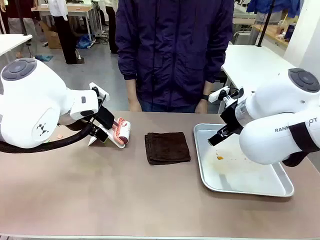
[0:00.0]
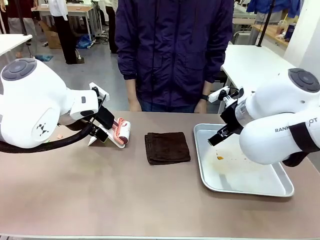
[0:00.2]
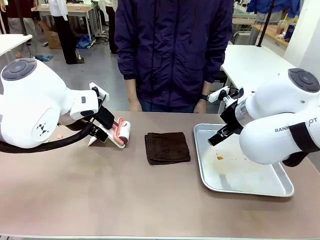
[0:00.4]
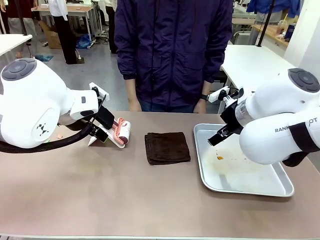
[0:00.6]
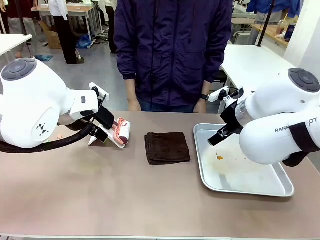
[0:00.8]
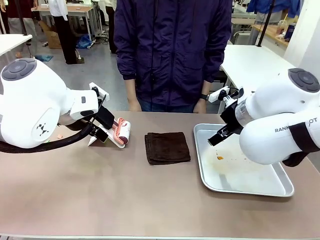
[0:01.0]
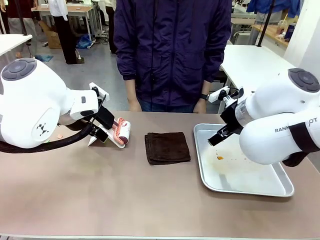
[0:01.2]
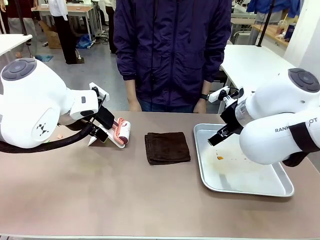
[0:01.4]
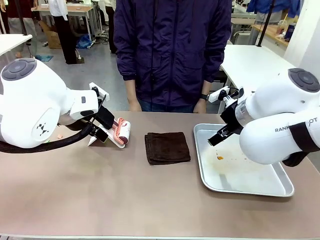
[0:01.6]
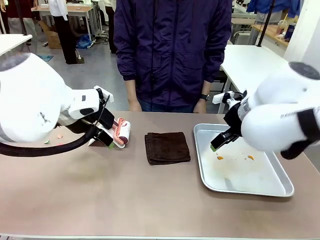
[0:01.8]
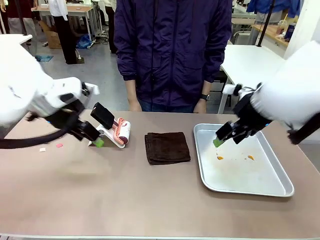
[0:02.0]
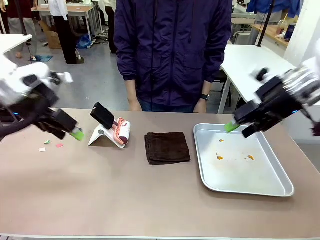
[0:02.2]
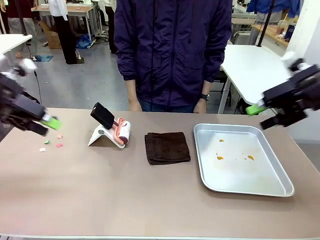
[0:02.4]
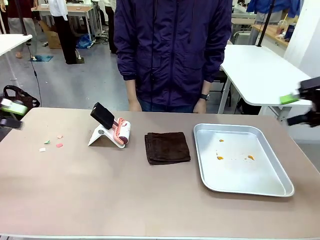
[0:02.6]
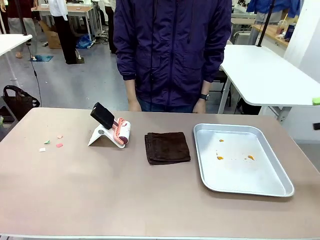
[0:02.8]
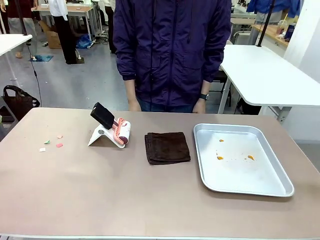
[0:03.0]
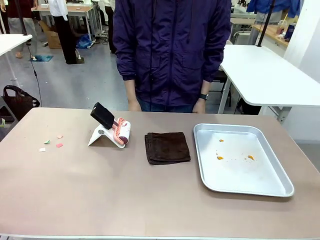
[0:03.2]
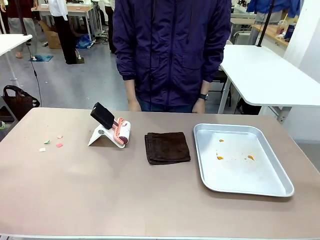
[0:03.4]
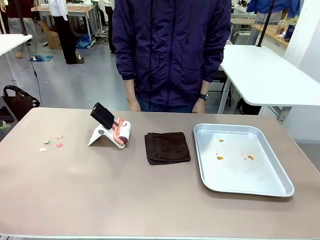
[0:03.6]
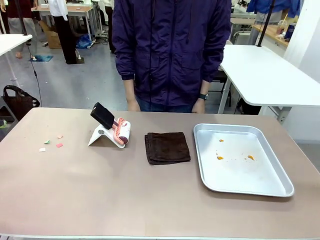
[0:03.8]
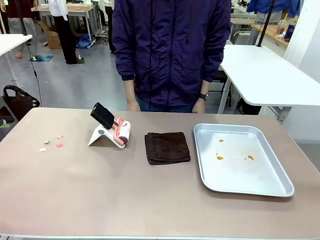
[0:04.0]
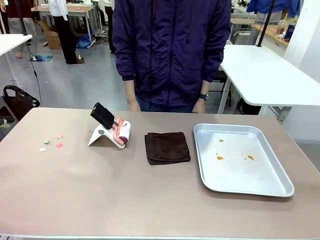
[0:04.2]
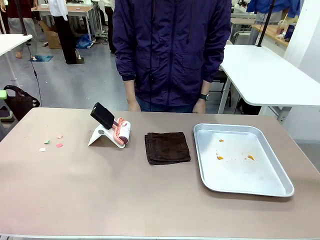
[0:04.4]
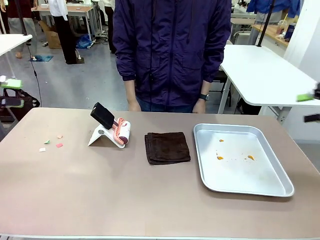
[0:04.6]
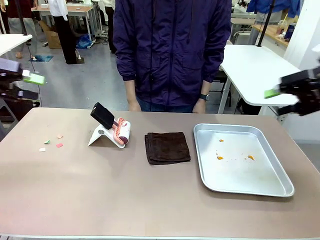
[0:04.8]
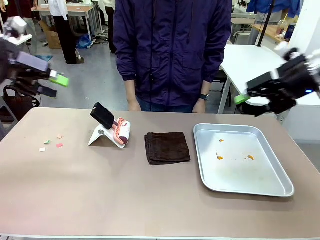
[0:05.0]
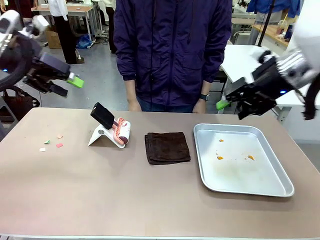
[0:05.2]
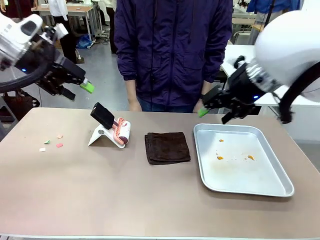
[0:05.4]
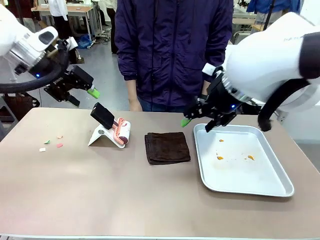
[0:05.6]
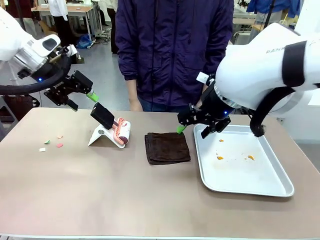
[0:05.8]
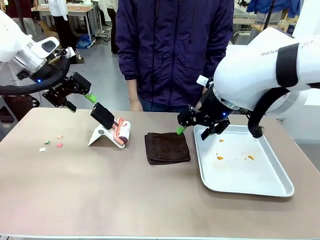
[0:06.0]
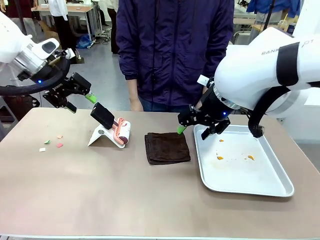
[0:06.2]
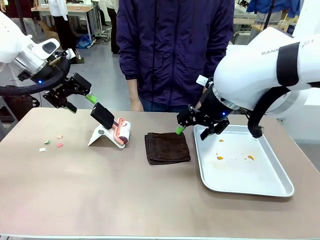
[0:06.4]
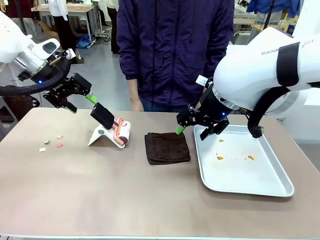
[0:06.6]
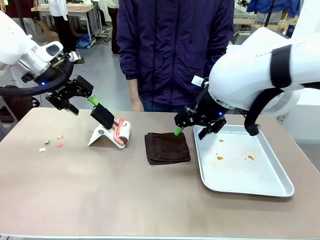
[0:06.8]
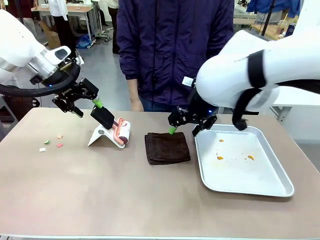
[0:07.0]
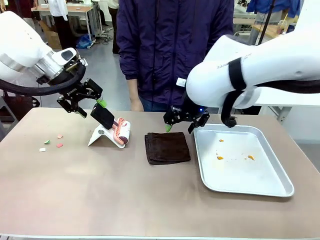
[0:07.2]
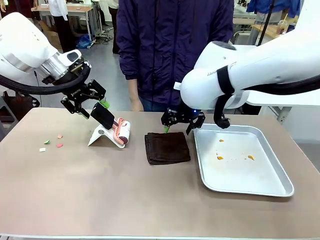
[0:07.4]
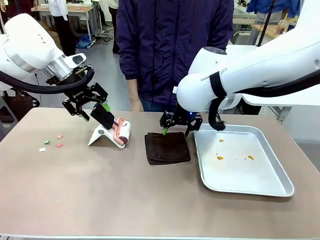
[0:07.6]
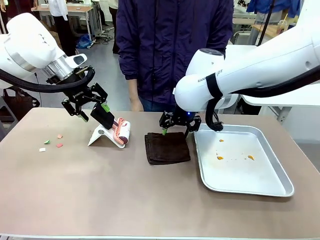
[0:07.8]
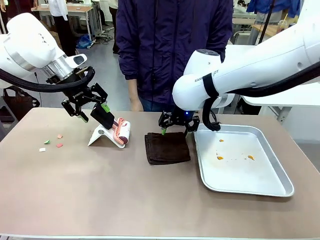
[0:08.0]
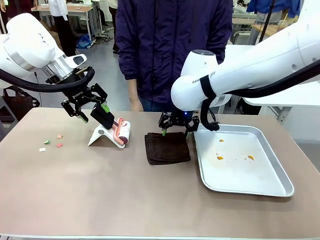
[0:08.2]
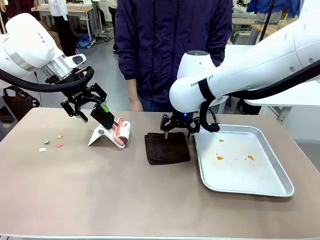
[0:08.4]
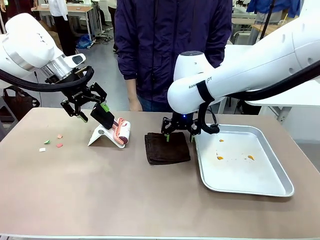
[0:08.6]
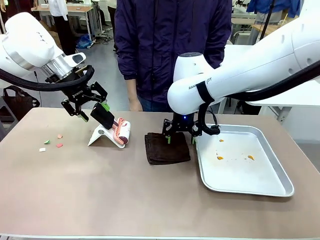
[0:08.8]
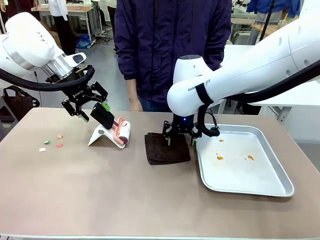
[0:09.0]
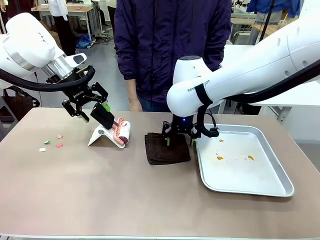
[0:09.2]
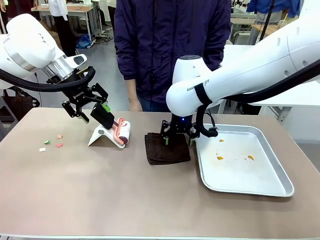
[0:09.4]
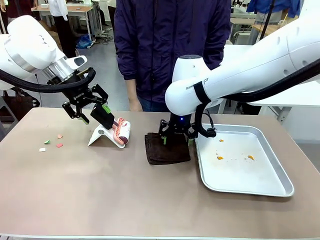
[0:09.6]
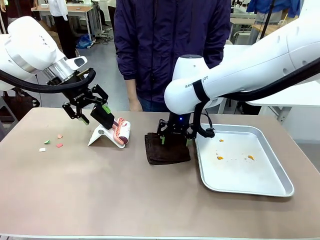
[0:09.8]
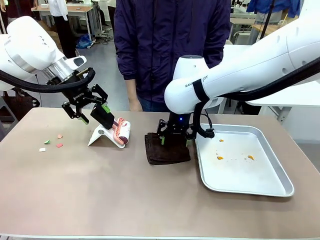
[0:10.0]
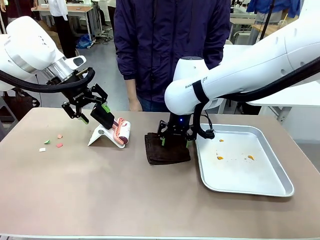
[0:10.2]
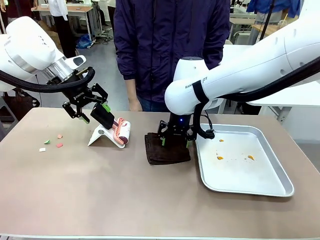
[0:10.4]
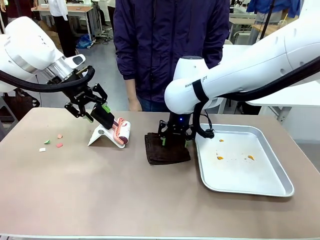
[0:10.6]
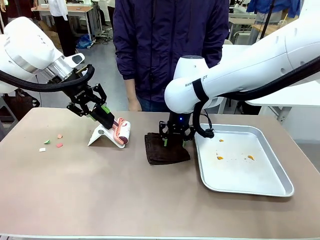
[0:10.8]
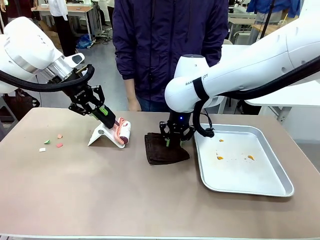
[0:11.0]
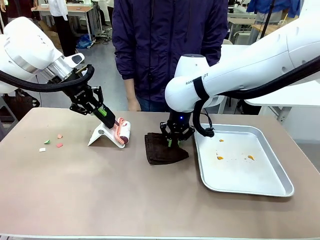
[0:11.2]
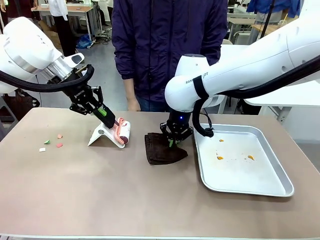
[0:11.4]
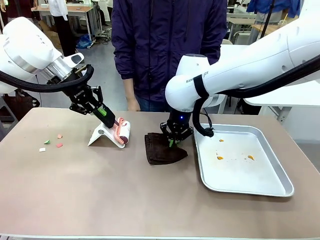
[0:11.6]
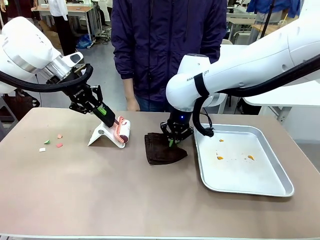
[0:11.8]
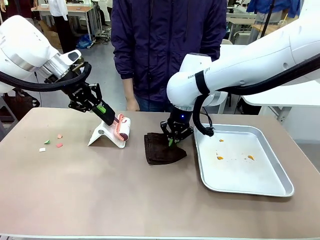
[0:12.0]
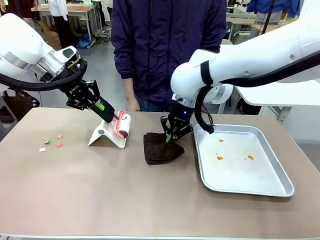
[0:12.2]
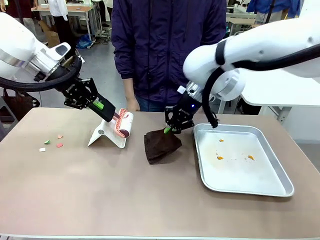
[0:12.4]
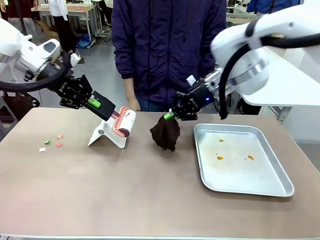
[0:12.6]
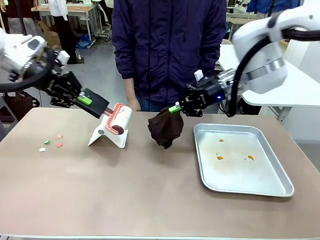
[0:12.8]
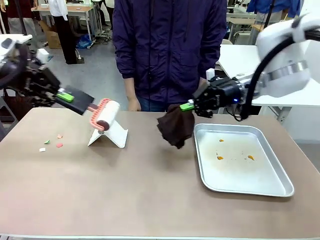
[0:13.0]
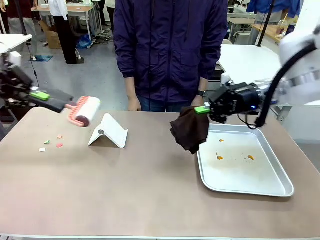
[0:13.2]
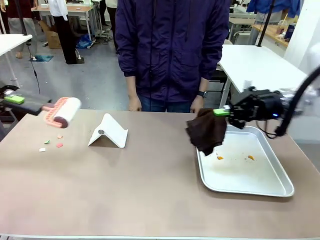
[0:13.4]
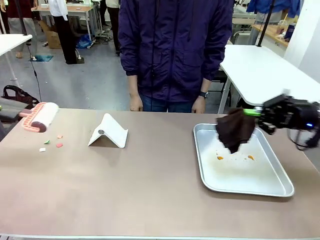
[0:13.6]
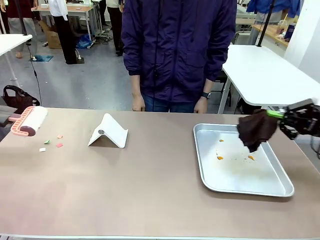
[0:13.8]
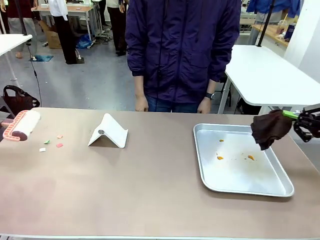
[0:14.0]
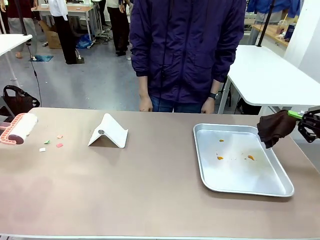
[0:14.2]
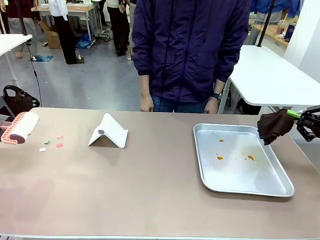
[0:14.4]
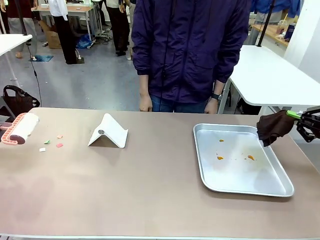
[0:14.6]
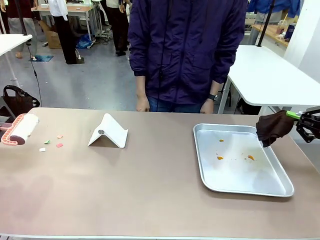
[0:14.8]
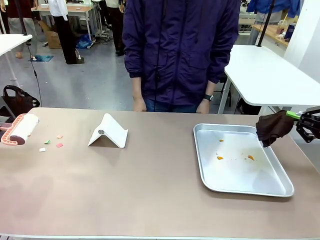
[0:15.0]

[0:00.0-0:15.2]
Task: Clean the surface of the table.
Robot: Hold the Lint Roller with your left hand and the towel with your right hand.
